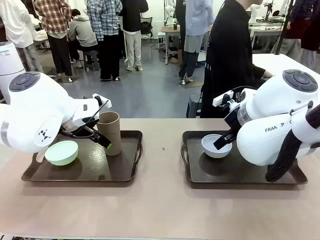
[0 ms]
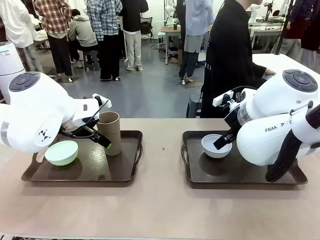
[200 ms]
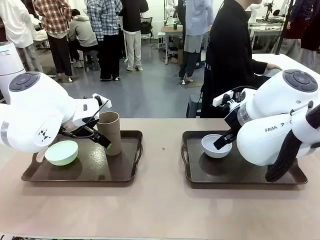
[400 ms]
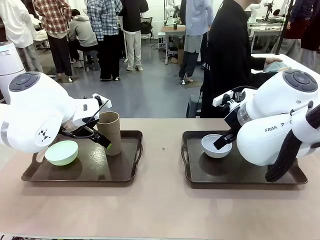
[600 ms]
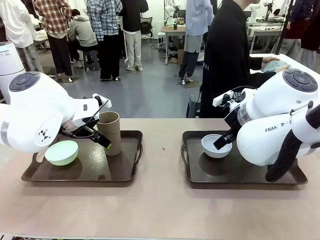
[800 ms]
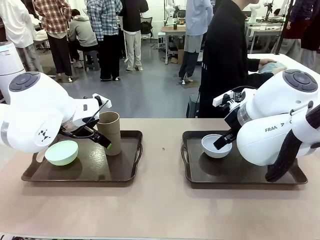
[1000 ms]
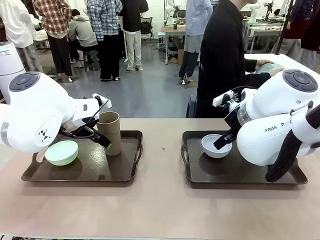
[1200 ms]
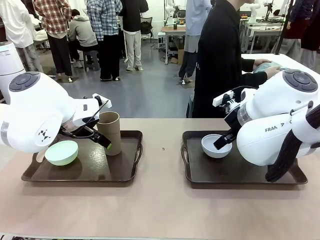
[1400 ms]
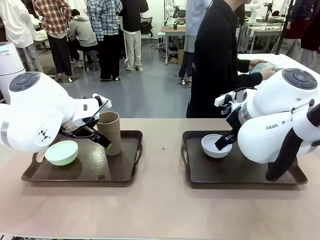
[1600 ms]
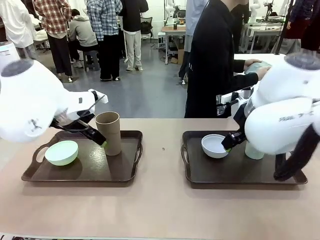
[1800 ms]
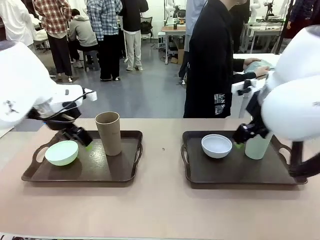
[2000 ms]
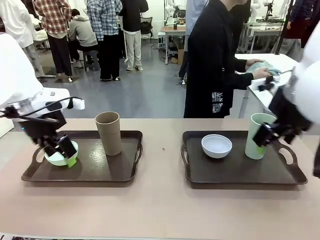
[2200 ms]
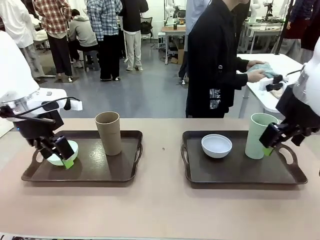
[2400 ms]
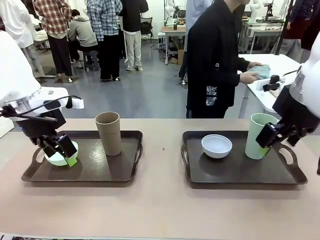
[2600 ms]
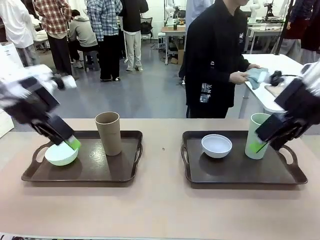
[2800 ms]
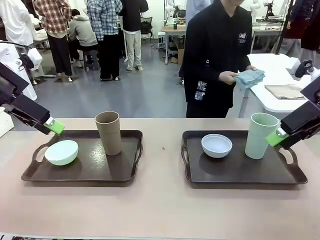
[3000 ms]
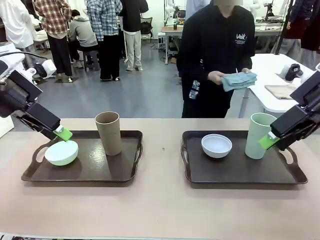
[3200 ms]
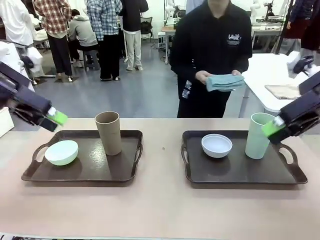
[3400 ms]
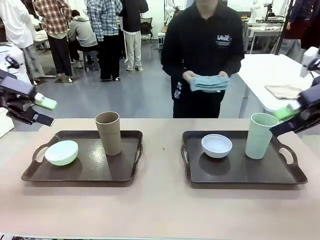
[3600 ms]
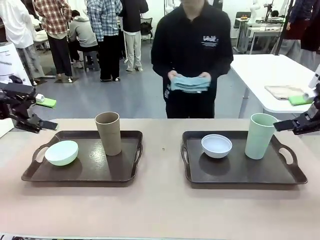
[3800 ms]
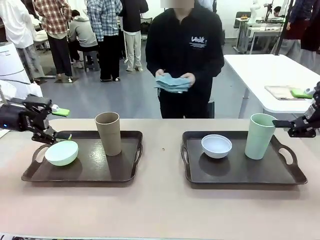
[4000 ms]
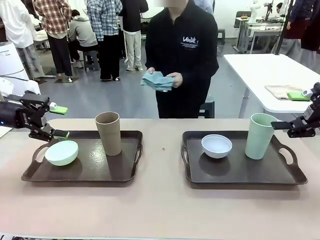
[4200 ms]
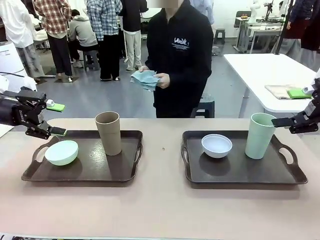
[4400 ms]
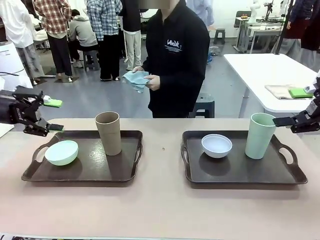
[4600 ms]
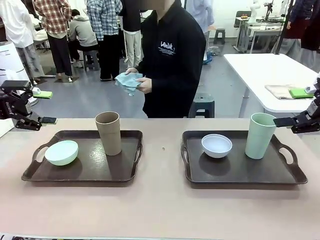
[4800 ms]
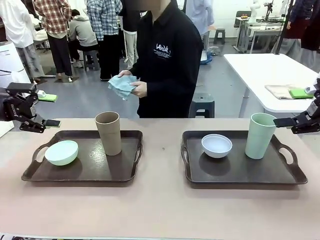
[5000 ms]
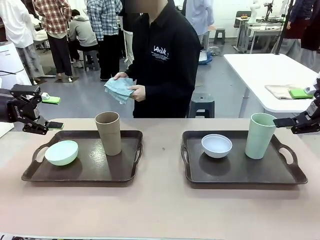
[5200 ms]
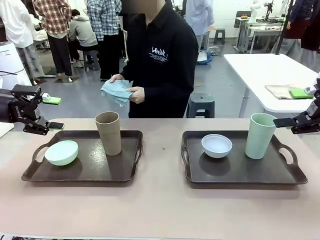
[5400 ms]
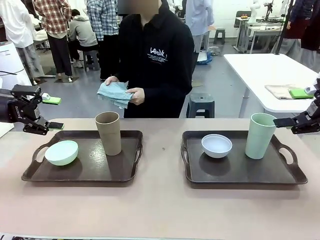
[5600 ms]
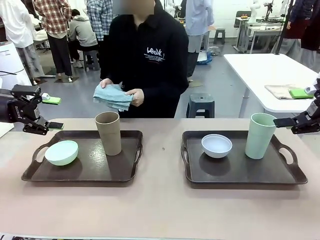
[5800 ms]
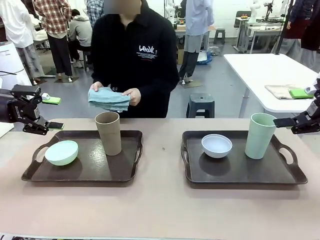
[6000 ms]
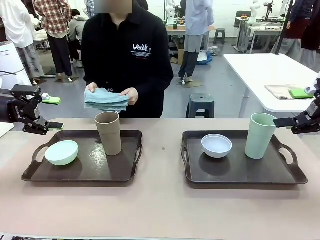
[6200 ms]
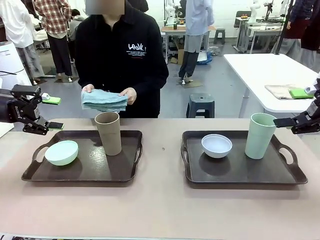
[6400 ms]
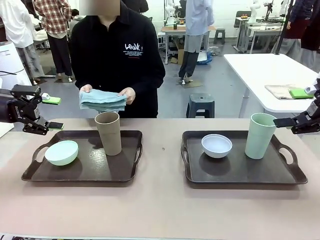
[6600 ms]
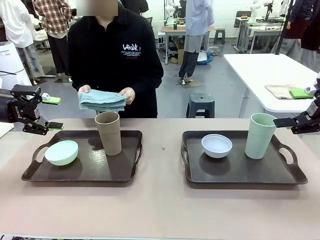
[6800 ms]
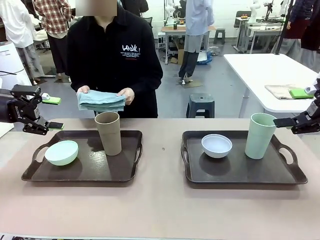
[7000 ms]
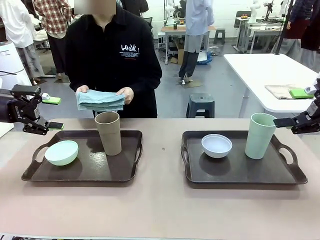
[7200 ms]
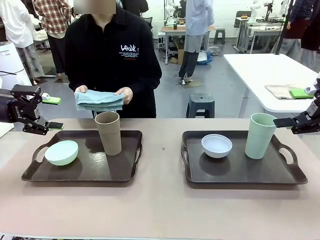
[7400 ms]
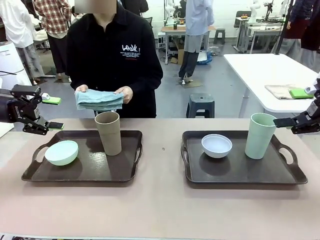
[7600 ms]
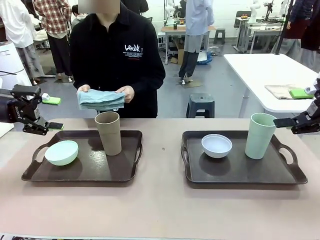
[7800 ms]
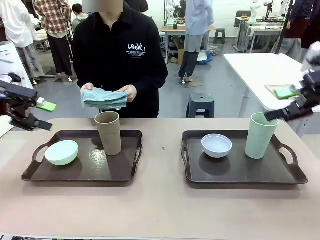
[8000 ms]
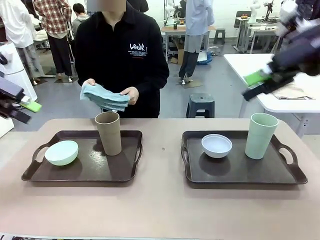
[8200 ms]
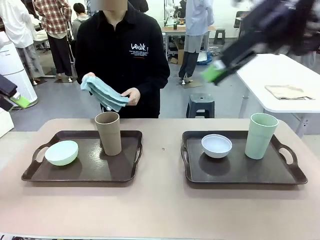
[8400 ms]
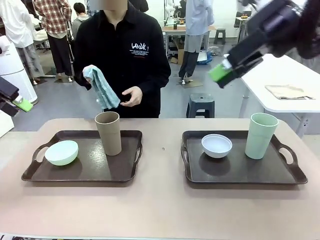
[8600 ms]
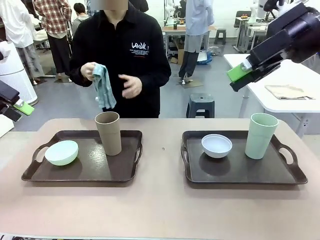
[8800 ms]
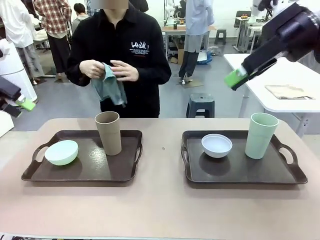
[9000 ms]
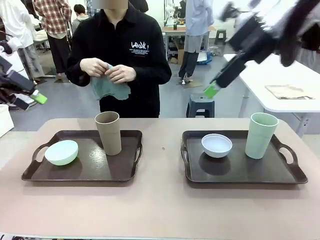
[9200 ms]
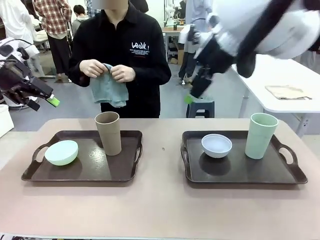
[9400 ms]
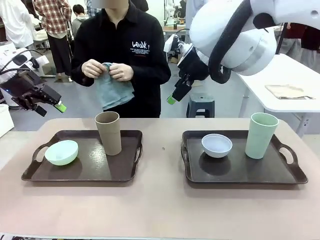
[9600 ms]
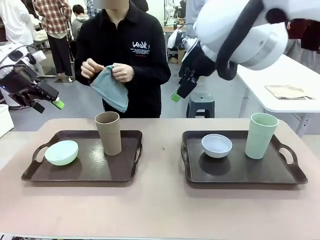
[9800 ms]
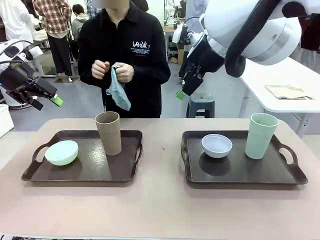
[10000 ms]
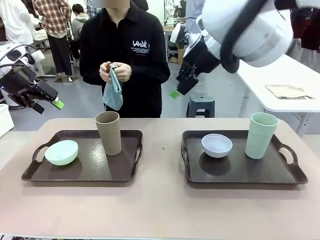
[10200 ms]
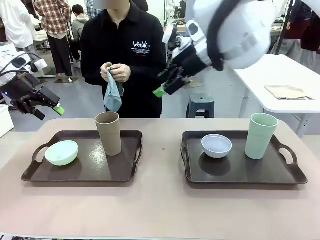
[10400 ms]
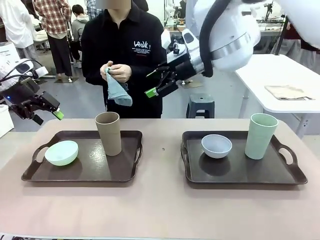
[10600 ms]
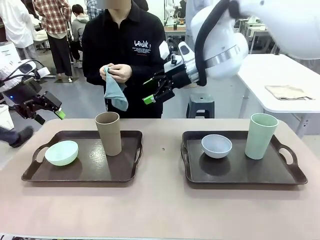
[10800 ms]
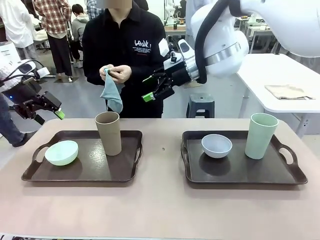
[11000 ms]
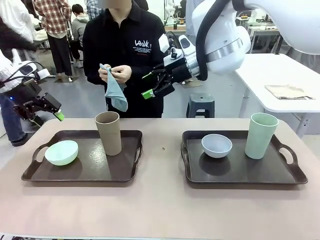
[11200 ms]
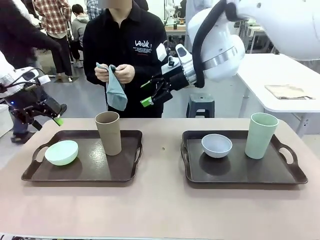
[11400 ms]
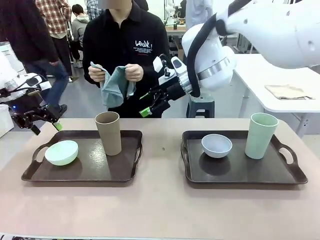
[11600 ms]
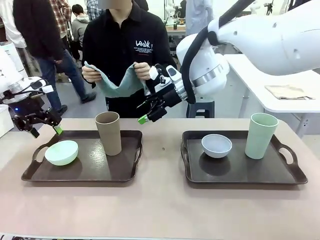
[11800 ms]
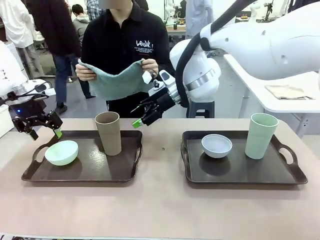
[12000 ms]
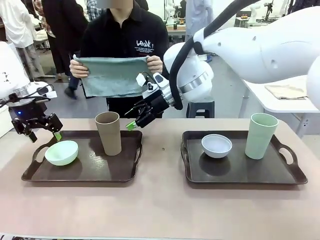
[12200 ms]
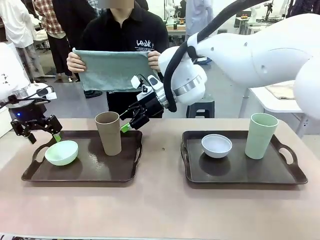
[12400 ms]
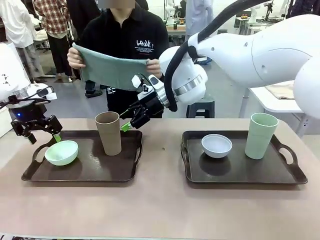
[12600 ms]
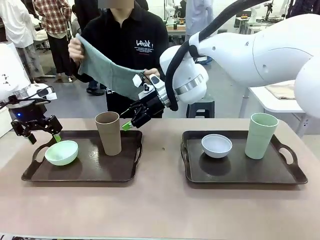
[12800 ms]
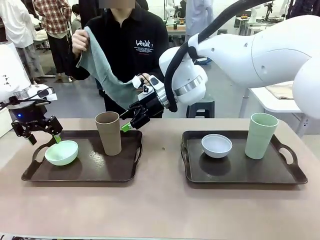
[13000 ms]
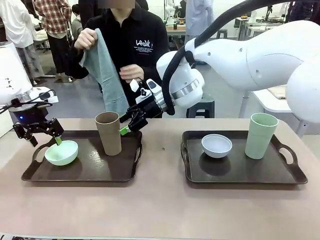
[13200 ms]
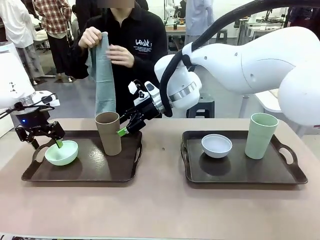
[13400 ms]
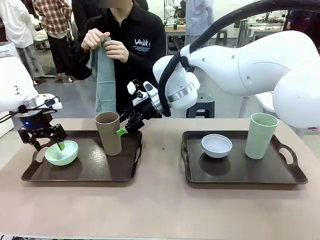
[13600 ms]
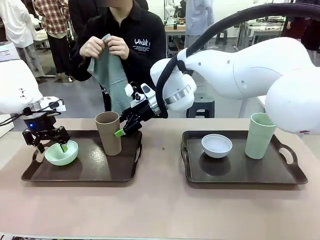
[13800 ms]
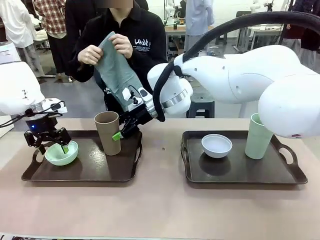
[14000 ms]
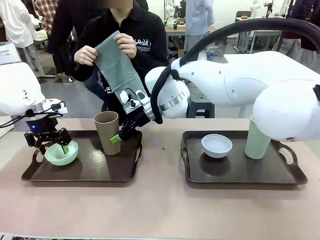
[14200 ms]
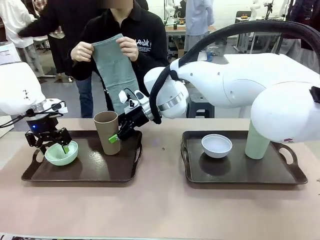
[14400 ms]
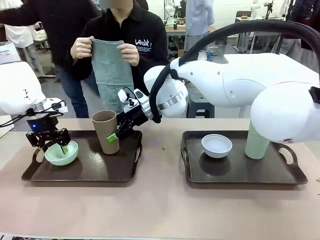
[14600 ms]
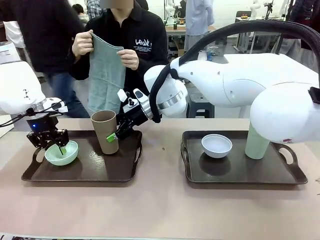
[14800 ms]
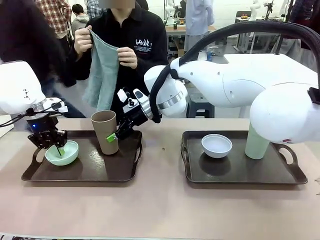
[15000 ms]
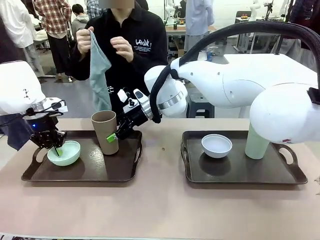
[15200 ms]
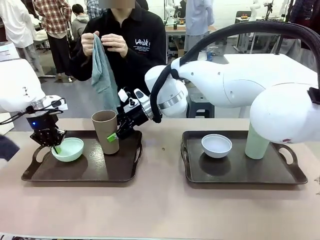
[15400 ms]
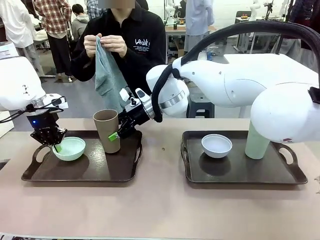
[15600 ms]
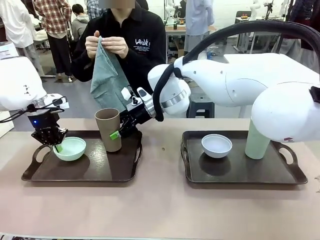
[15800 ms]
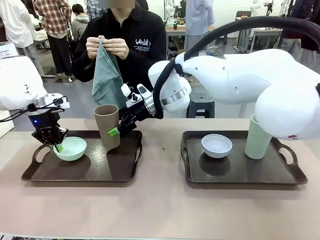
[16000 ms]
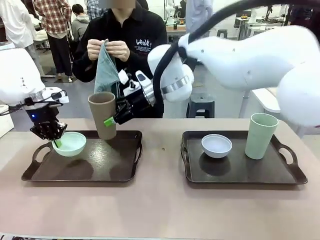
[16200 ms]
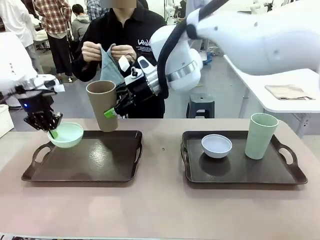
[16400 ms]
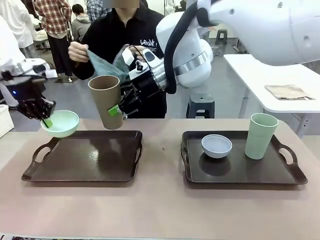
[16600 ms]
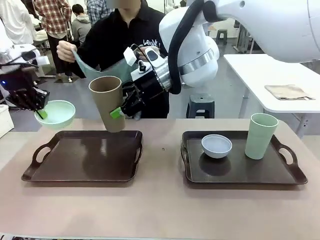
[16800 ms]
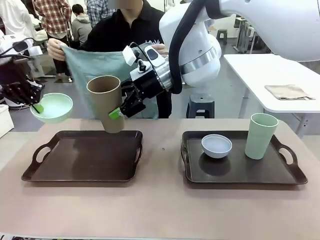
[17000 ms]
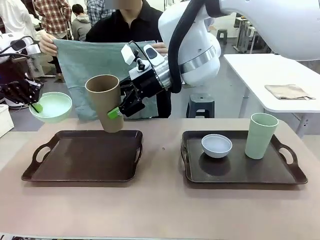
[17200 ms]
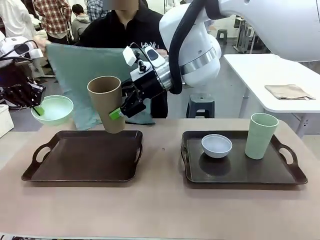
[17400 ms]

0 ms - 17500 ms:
Robot: Pick up the Picnic Bowl and Reusable plastic cup from the Handle tray in front of the human's position and hold them in the air.
Person: The human picks up the top napkin from the stack on the human table and walks to the robot table to stand in front of one of the two trays. When the robot lifts the bowl and the cup, the human unfolds the napkin and lays the napkin flat on the tray.
